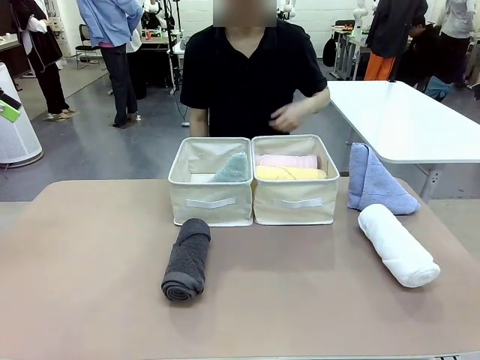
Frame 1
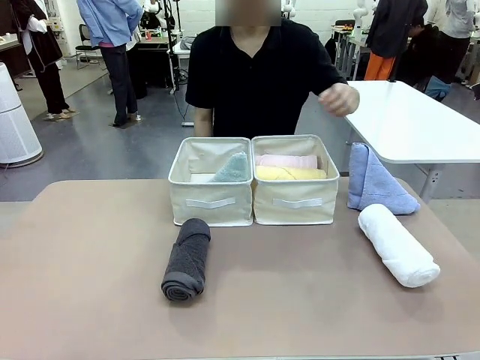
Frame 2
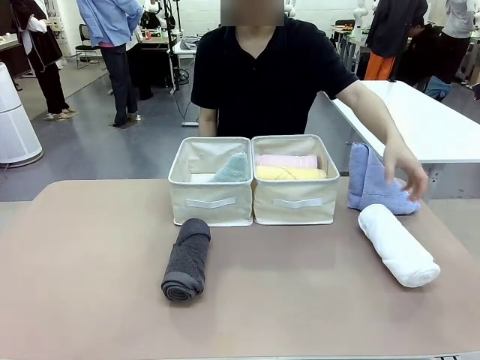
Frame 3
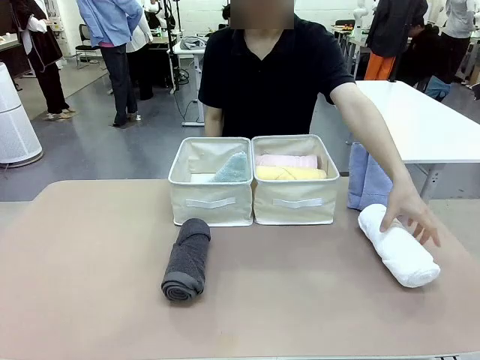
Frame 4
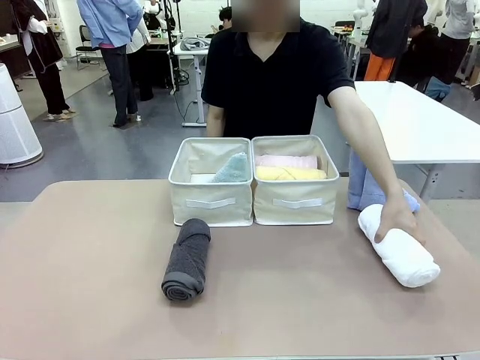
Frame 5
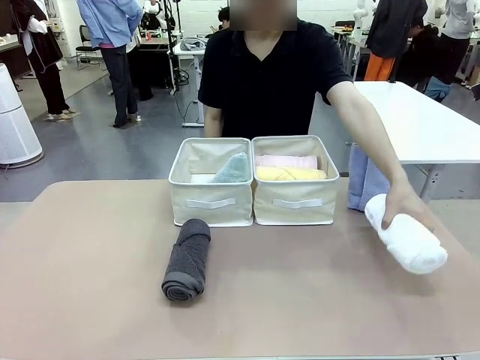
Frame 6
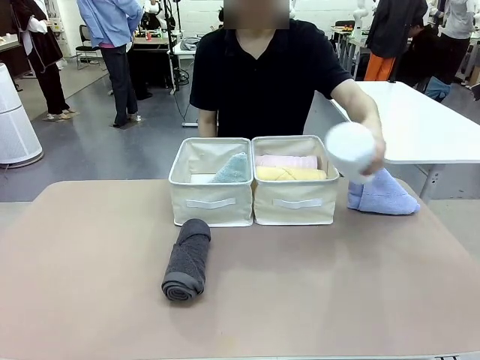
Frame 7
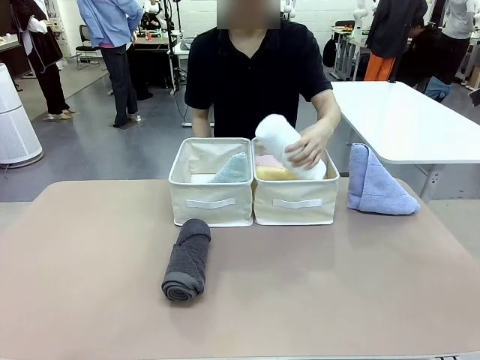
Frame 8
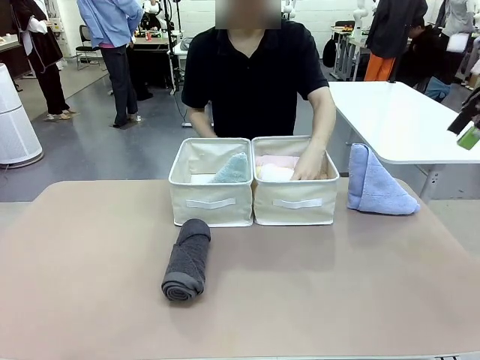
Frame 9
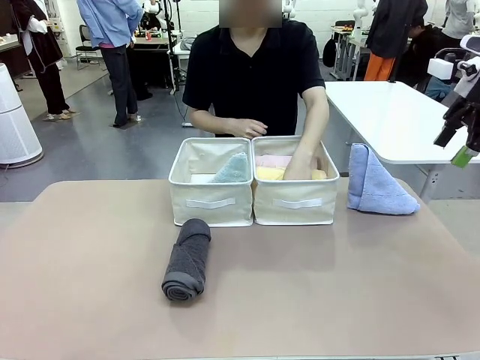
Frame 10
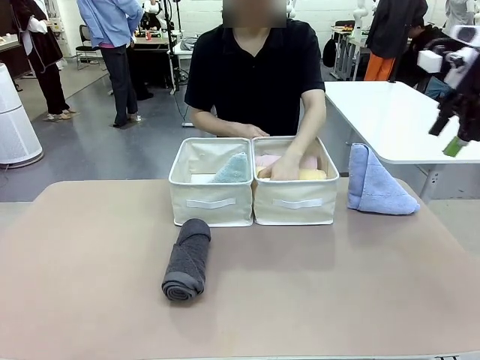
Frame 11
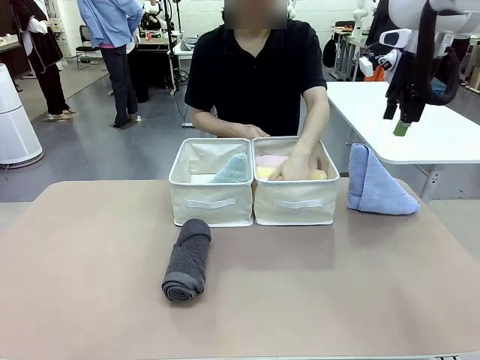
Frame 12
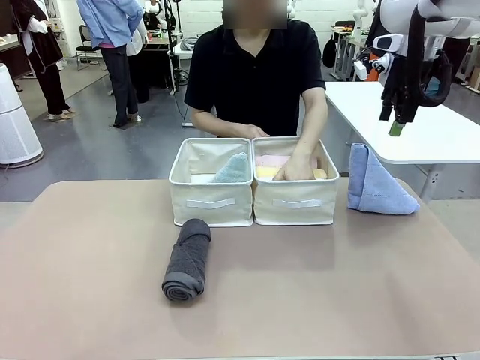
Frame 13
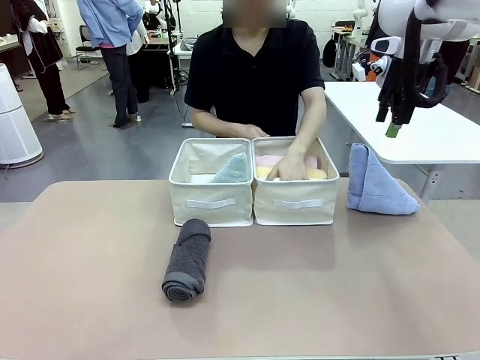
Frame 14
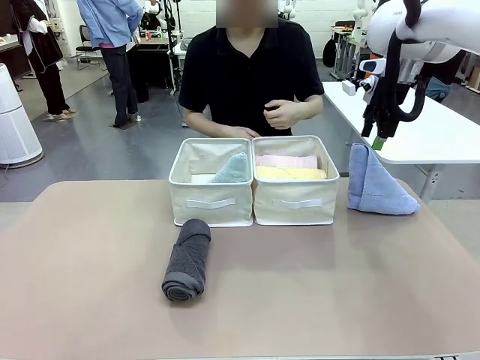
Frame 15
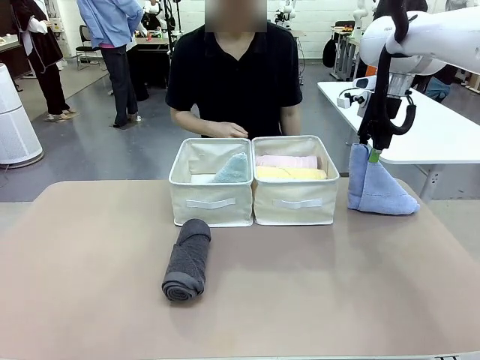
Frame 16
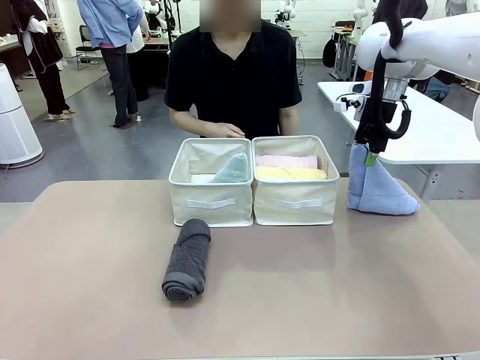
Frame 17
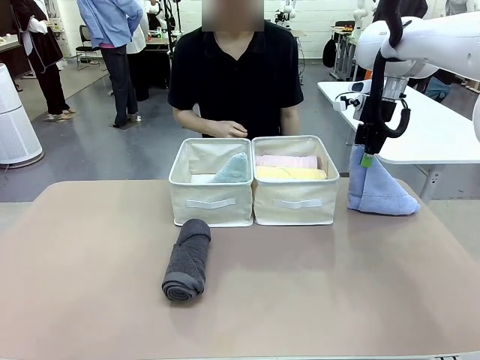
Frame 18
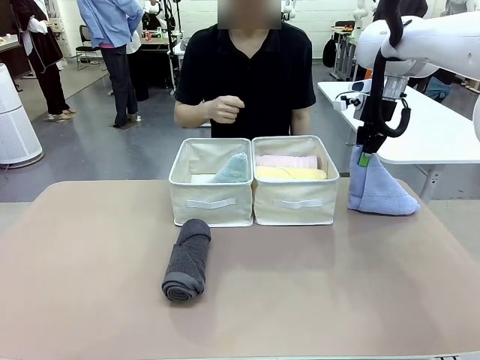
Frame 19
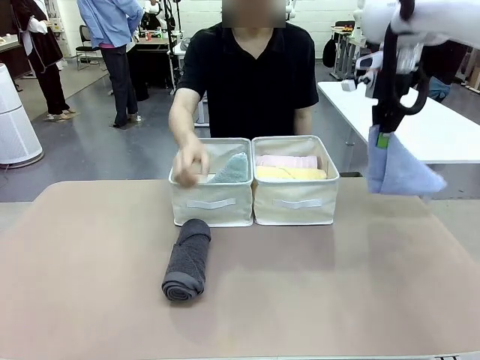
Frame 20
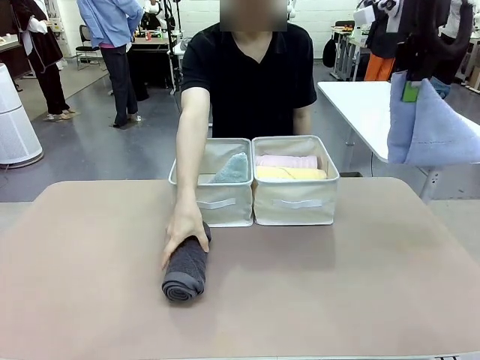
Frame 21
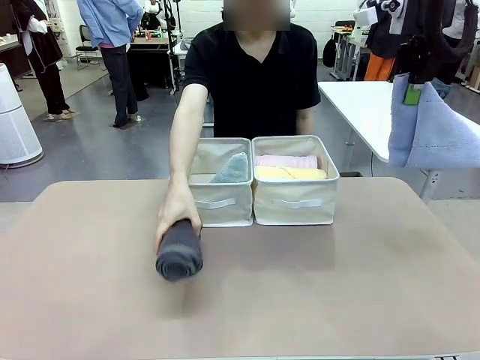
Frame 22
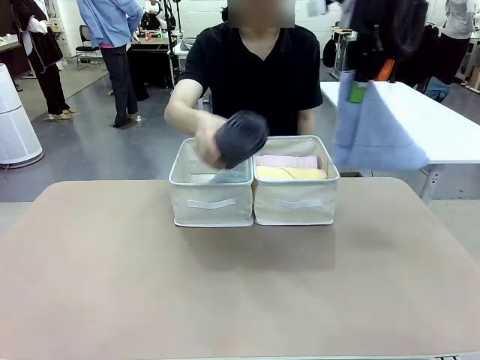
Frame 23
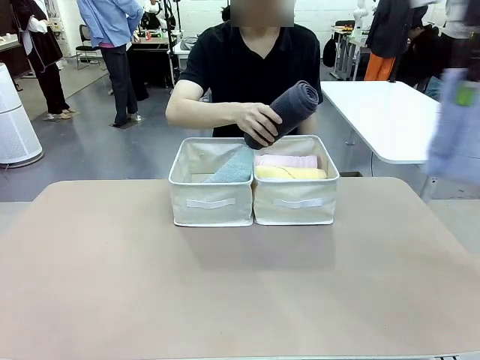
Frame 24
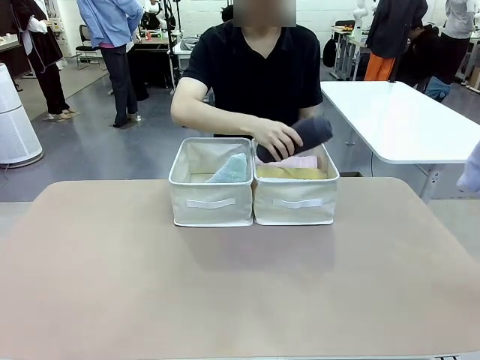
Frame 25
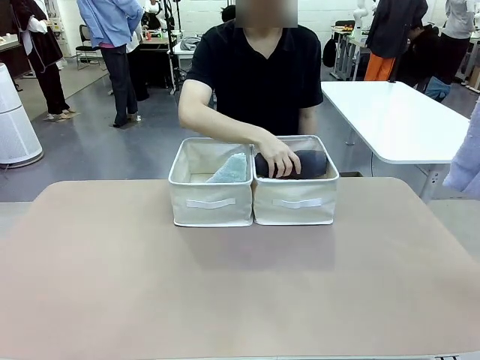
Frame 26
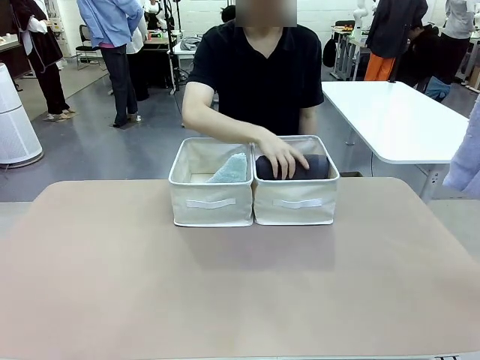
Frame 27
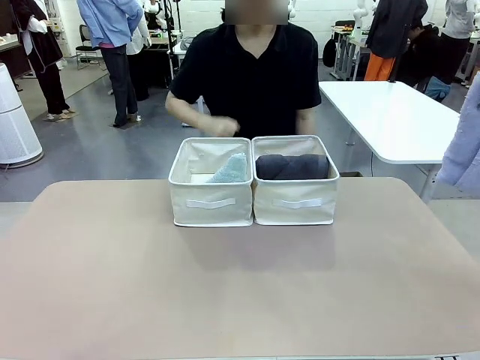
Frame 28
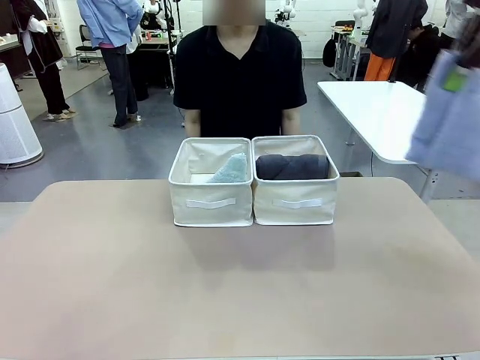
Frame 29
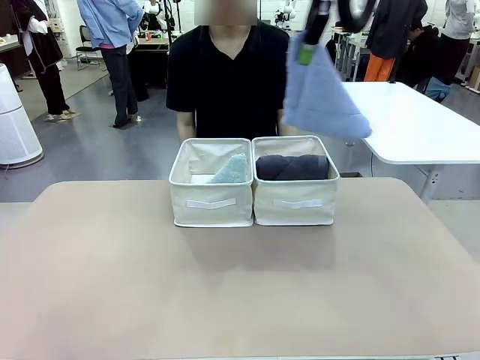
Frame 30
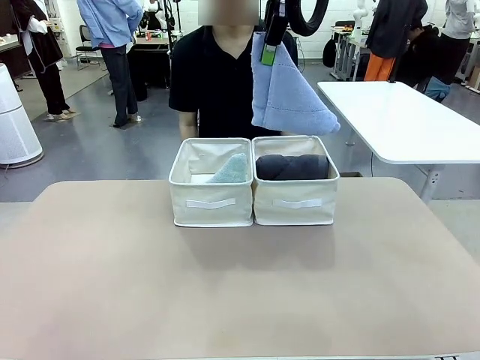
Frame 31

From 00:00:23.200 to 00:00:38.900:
Task: Sort the towels based on their folding style.
Robot: Pick up another triangle-folded towel from the table and place it in the left Fabric basket.

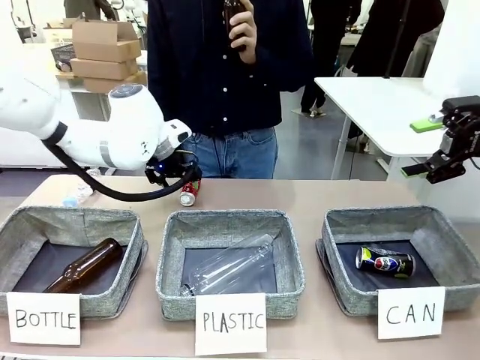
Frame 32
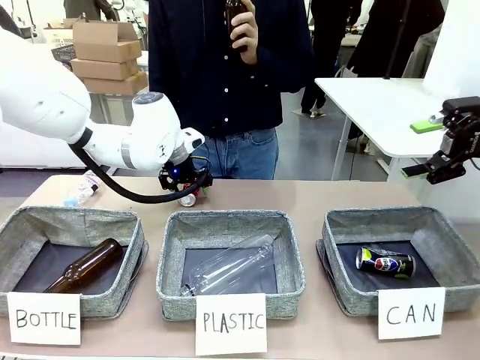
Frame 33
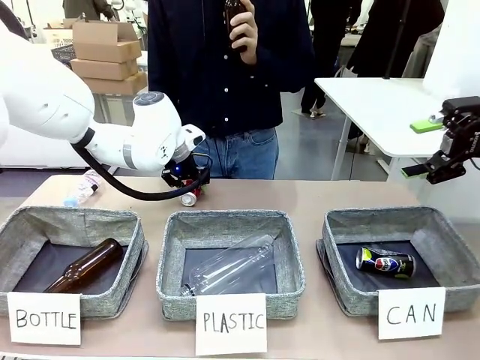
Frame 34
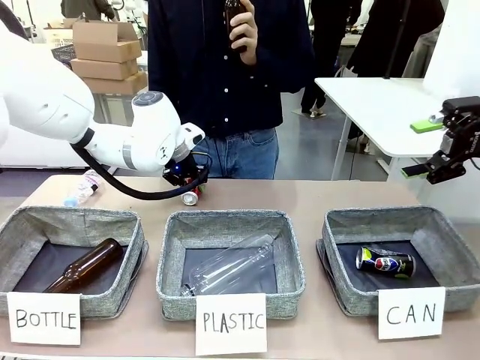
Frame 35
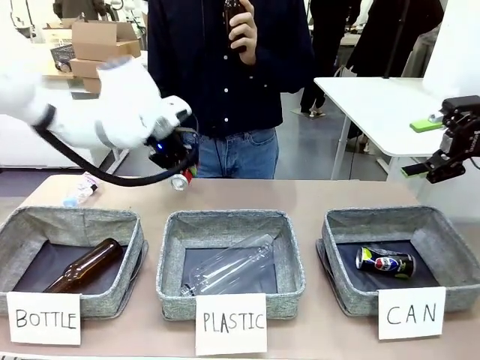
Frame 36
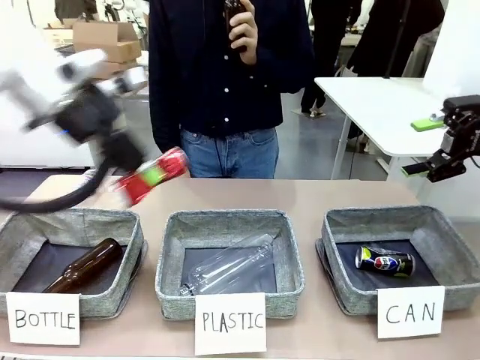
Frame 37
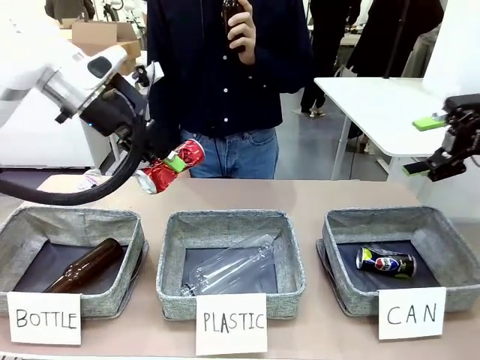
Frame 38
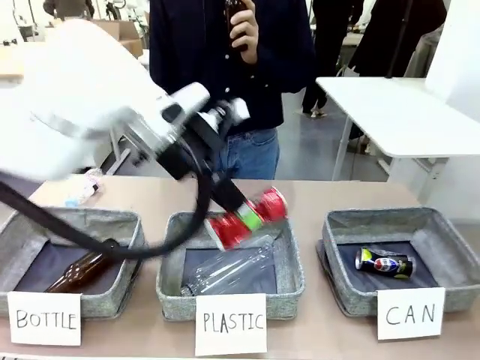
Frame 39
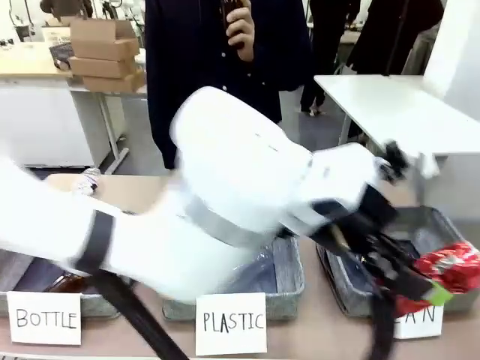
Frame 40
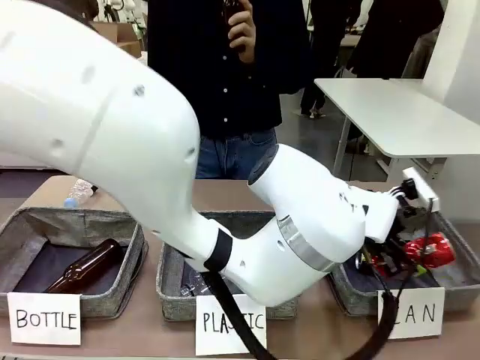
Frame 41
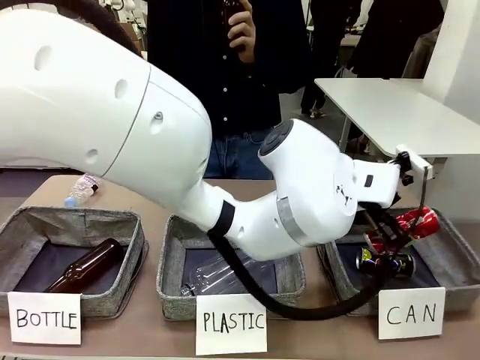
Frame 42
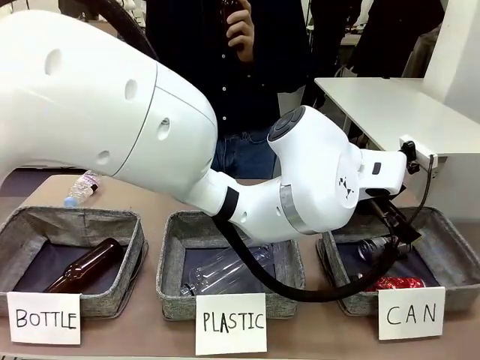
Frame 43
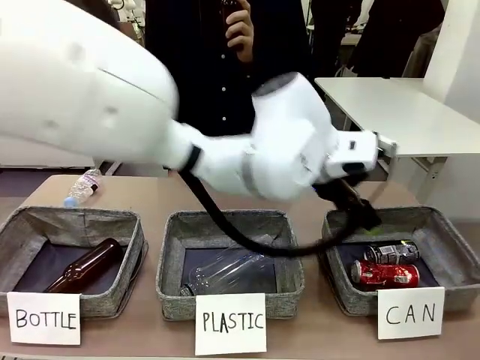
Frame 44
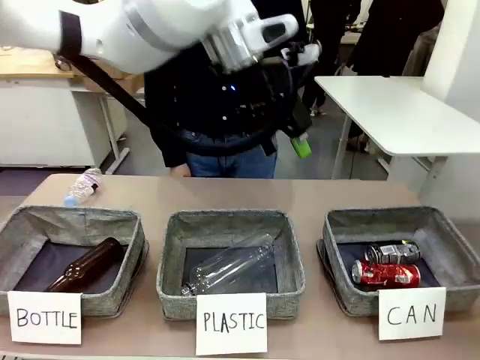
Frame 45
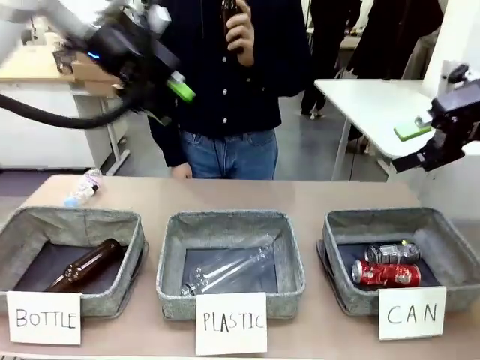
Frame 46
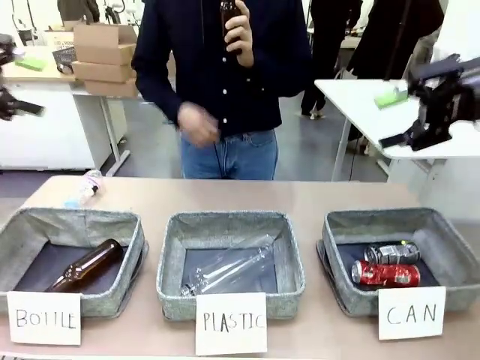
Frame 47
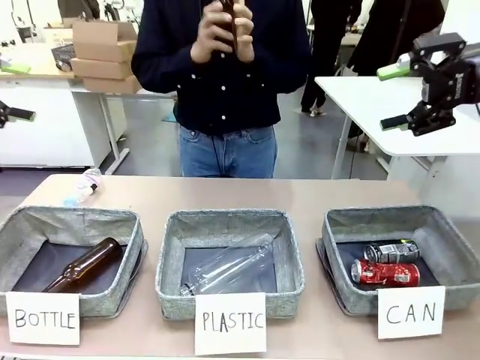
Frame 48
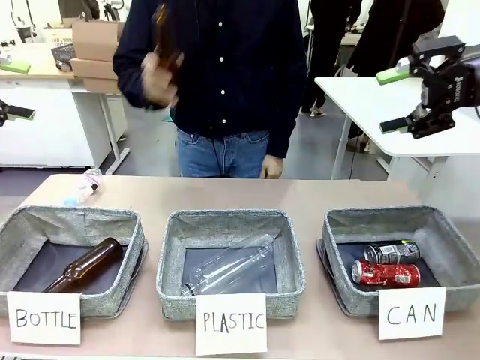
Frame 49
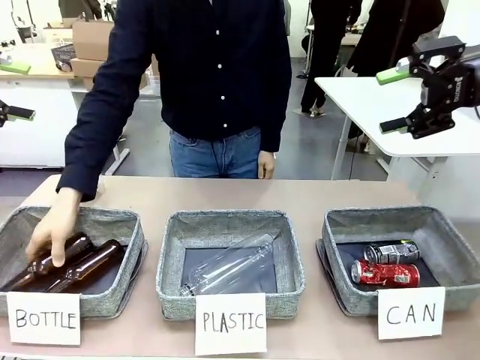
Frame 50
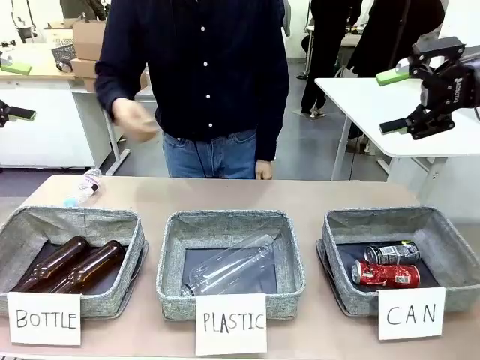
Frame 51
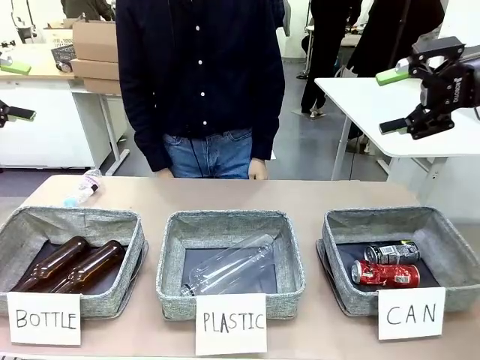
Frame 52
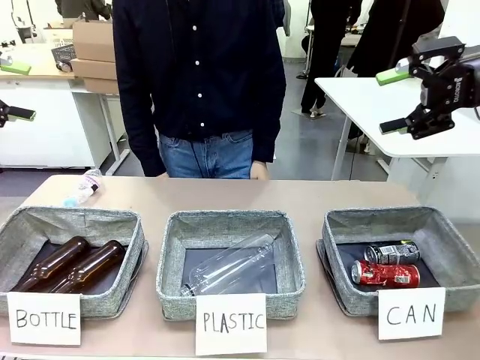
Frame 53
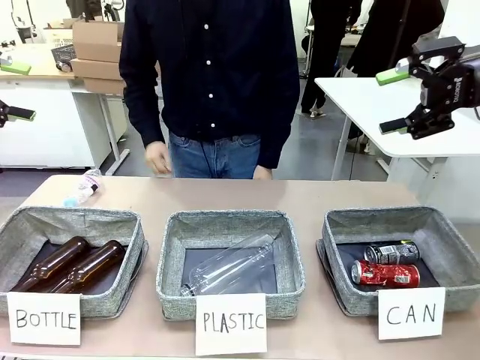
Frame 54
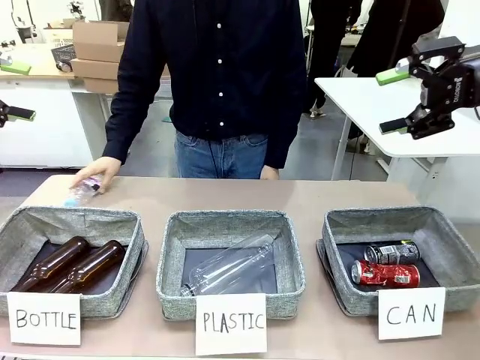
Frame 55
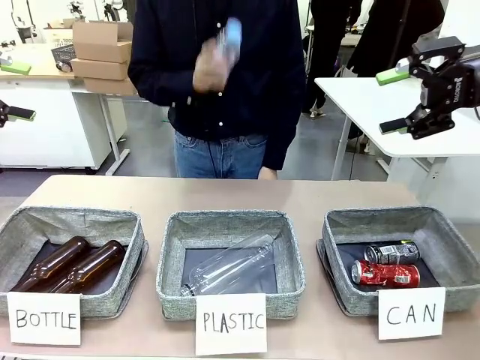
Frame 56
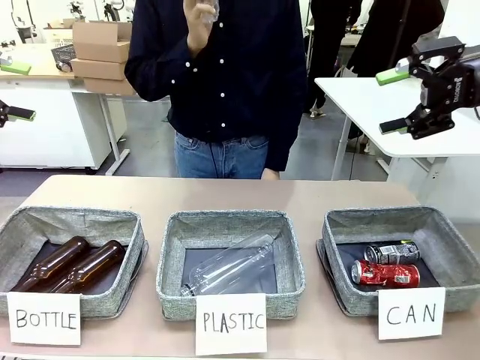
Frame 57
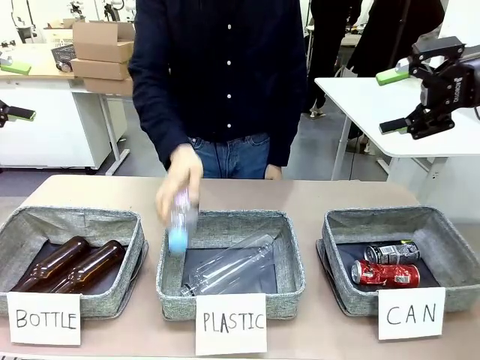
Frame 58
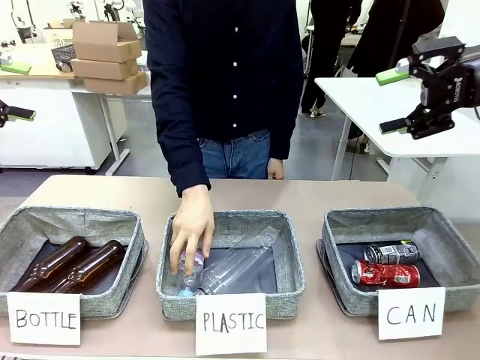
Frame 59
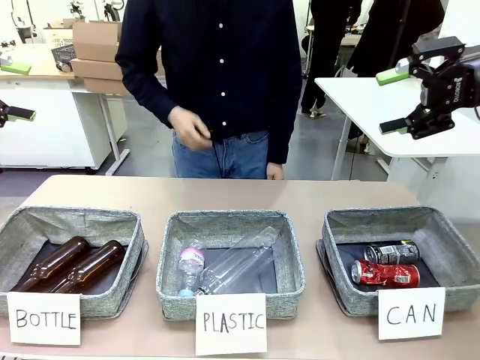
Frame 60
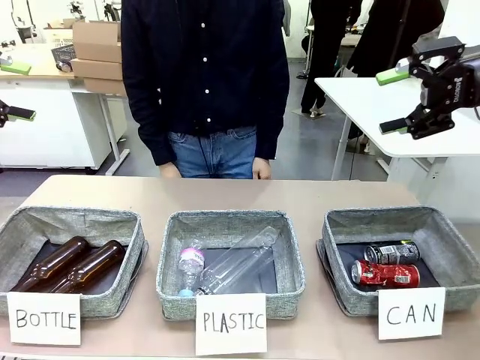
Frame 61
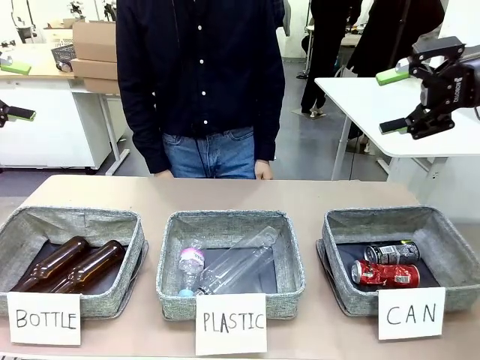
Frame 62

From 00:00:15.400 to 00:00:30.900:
Task: Sort the can waste into the basket.
Robot: Pick up the can waste from the table and place it in the right Fabric basket.
Person: The human picks up one piece of trash that is not a can and places the trash into the appropriate organizing basket.
